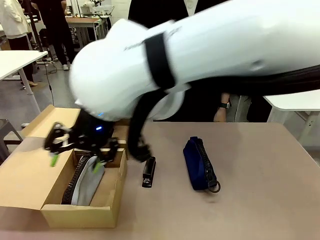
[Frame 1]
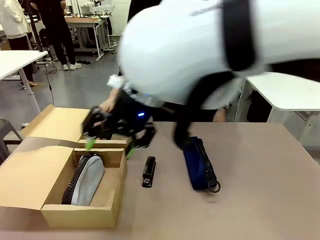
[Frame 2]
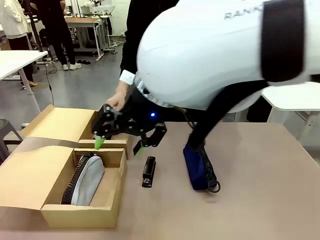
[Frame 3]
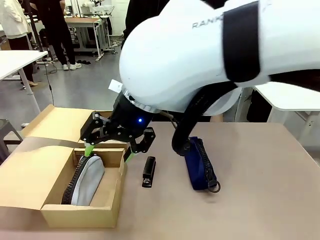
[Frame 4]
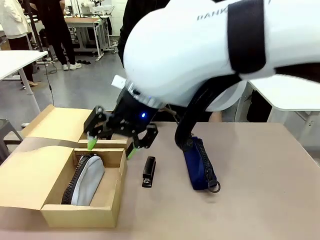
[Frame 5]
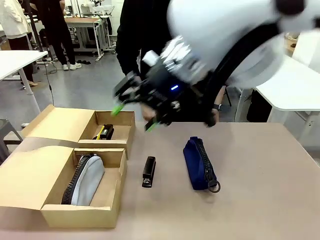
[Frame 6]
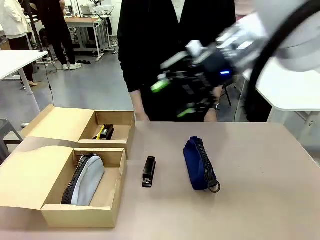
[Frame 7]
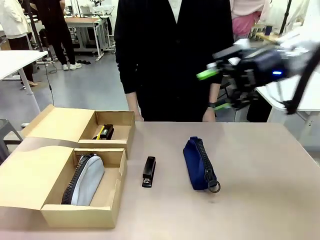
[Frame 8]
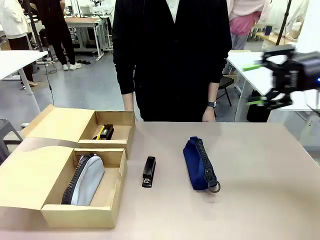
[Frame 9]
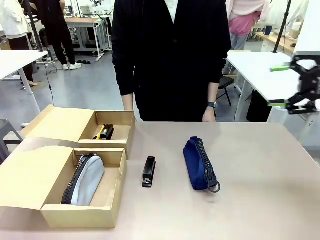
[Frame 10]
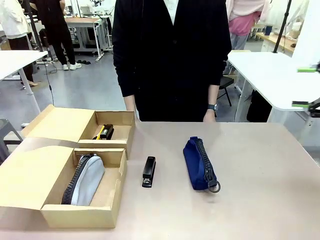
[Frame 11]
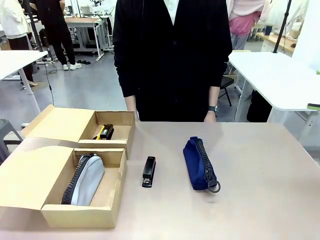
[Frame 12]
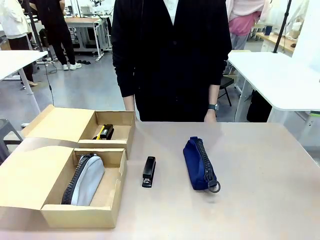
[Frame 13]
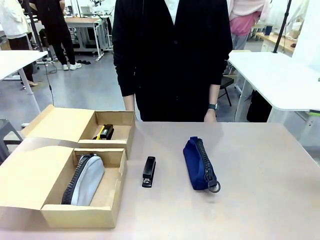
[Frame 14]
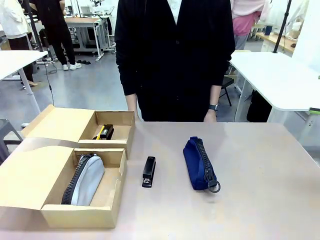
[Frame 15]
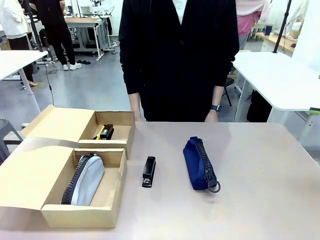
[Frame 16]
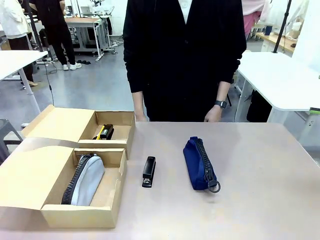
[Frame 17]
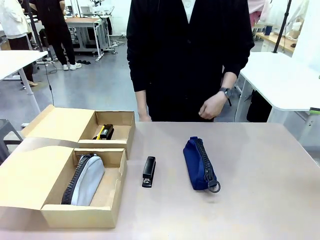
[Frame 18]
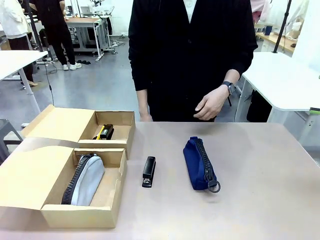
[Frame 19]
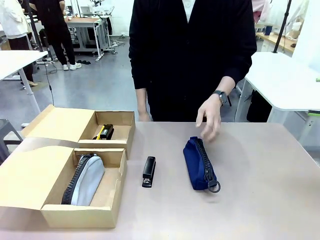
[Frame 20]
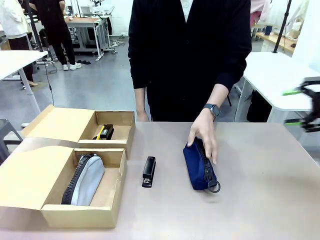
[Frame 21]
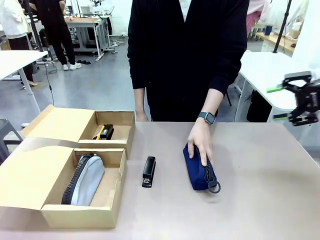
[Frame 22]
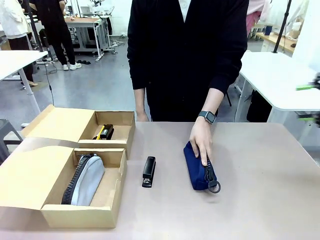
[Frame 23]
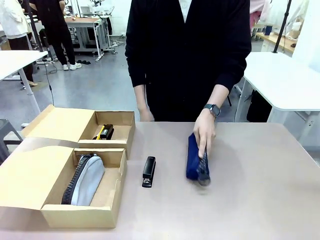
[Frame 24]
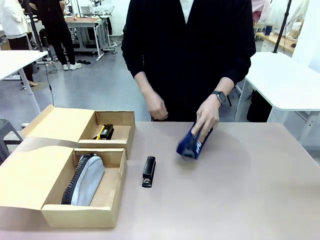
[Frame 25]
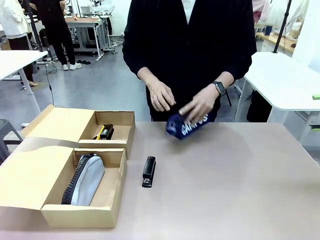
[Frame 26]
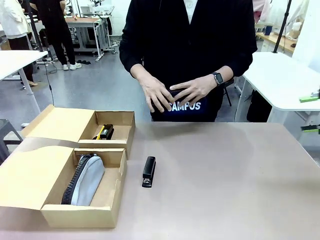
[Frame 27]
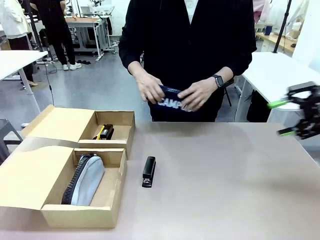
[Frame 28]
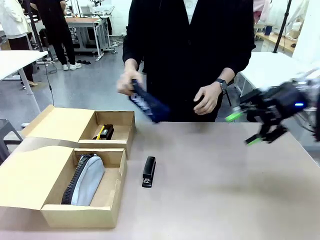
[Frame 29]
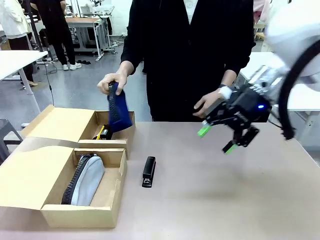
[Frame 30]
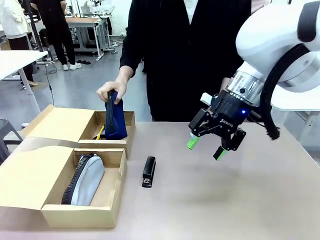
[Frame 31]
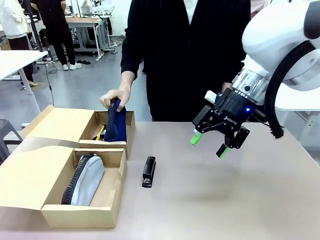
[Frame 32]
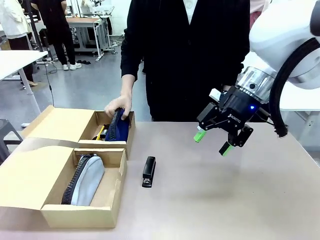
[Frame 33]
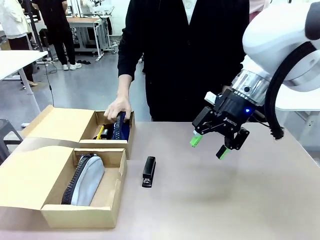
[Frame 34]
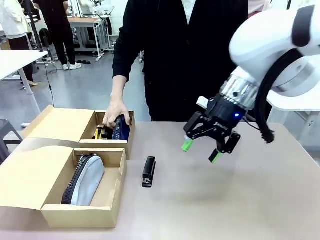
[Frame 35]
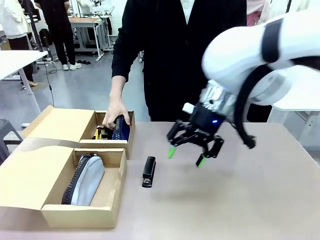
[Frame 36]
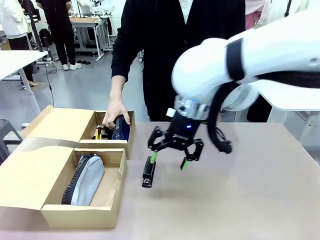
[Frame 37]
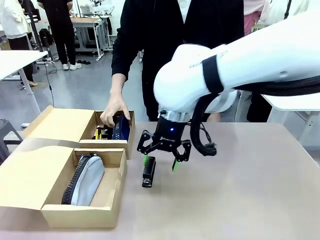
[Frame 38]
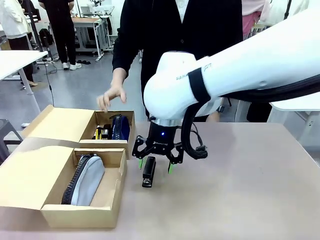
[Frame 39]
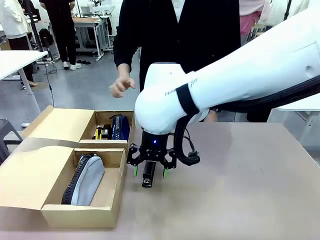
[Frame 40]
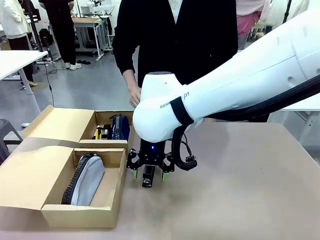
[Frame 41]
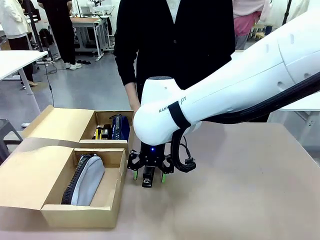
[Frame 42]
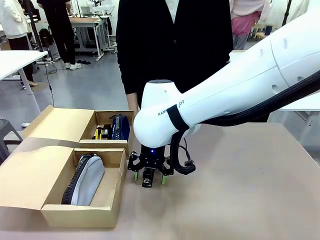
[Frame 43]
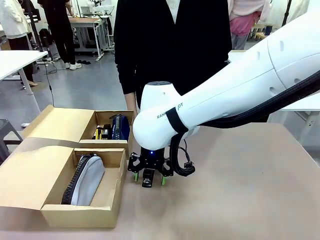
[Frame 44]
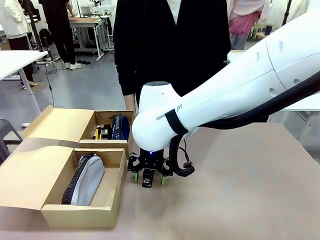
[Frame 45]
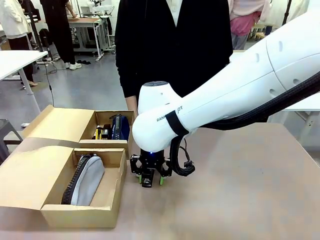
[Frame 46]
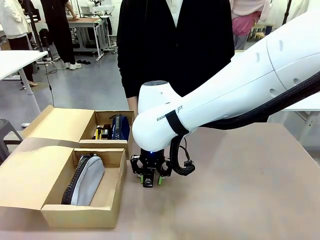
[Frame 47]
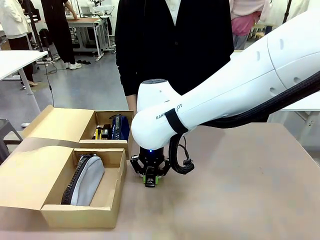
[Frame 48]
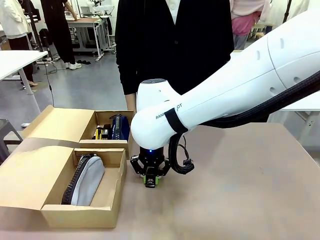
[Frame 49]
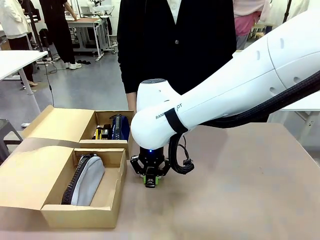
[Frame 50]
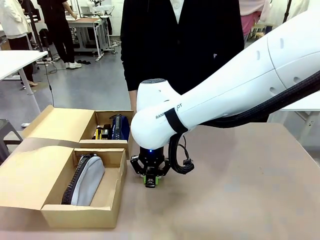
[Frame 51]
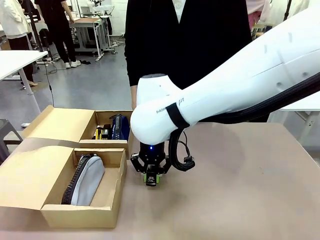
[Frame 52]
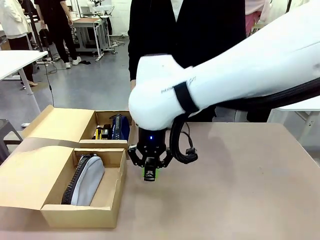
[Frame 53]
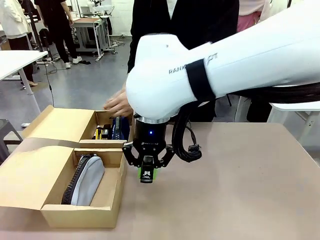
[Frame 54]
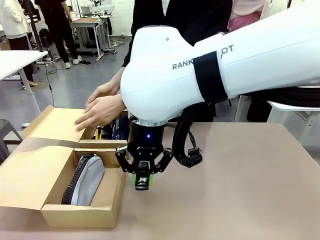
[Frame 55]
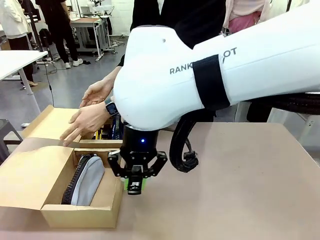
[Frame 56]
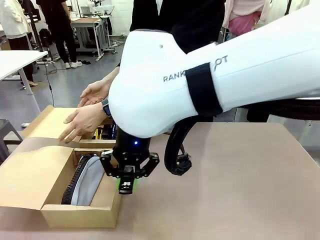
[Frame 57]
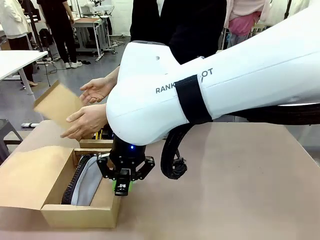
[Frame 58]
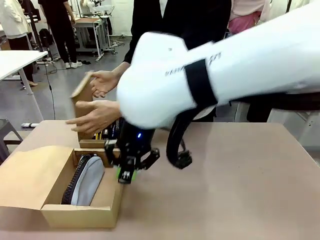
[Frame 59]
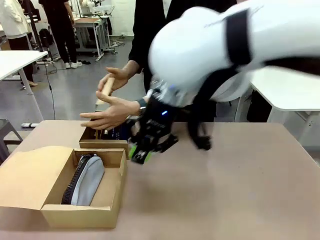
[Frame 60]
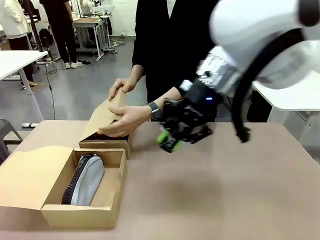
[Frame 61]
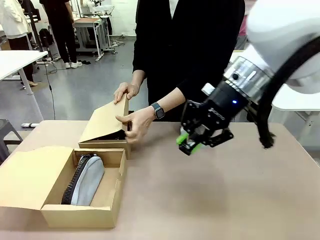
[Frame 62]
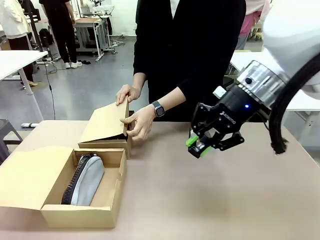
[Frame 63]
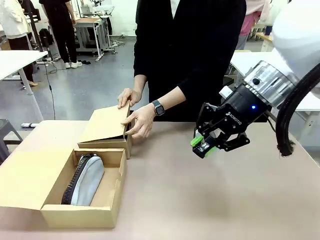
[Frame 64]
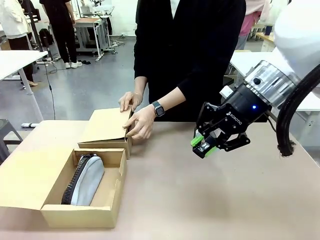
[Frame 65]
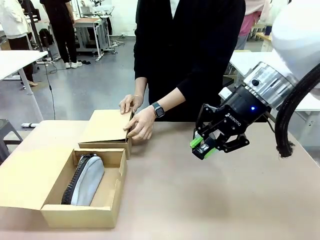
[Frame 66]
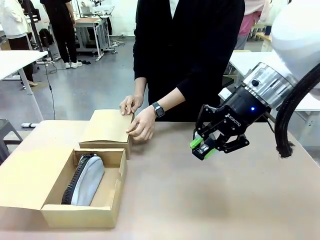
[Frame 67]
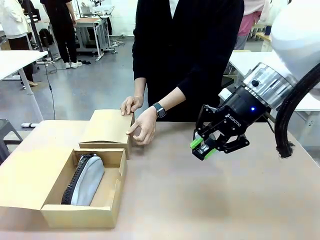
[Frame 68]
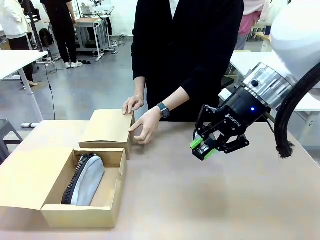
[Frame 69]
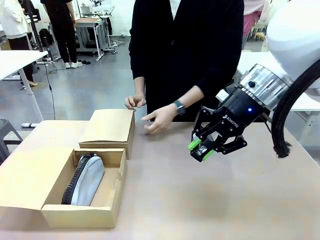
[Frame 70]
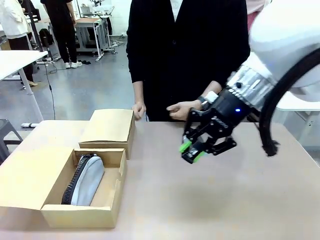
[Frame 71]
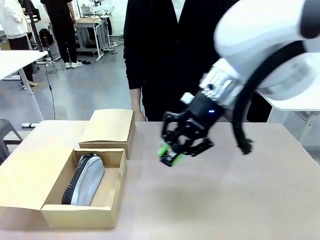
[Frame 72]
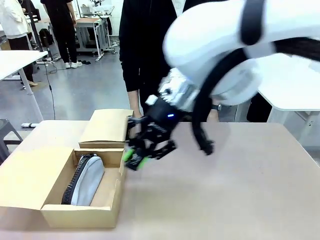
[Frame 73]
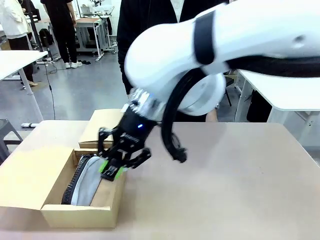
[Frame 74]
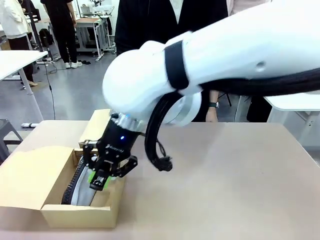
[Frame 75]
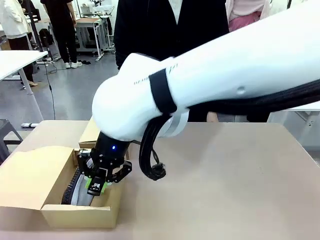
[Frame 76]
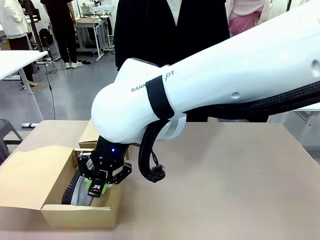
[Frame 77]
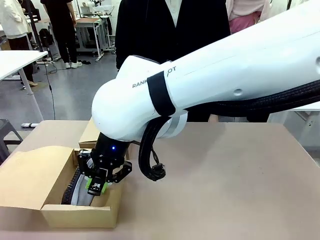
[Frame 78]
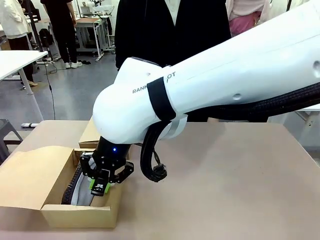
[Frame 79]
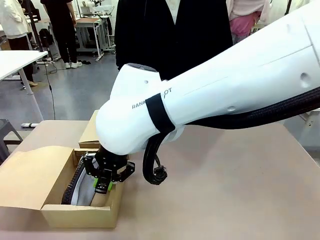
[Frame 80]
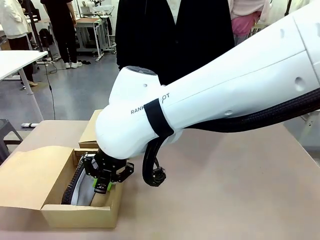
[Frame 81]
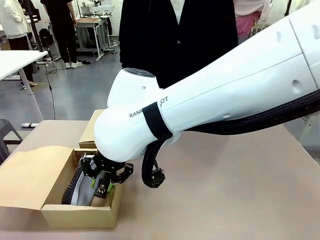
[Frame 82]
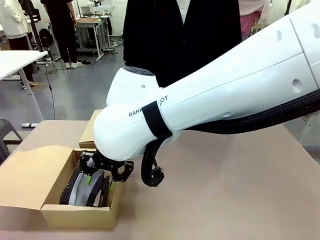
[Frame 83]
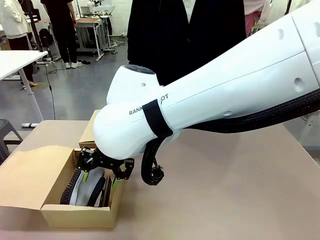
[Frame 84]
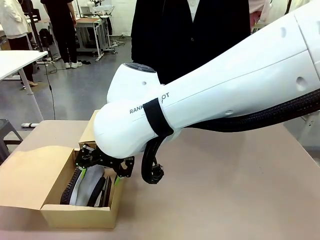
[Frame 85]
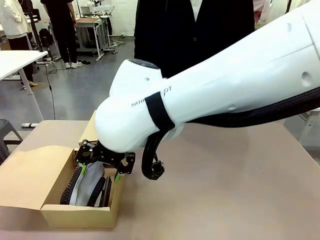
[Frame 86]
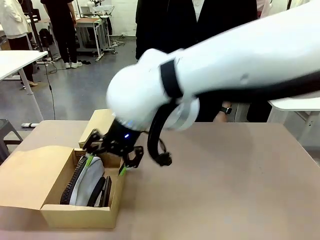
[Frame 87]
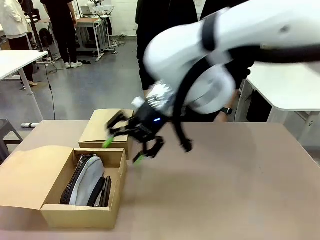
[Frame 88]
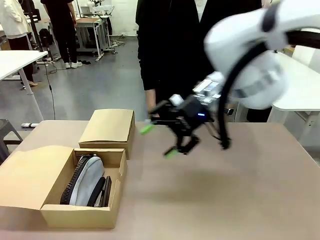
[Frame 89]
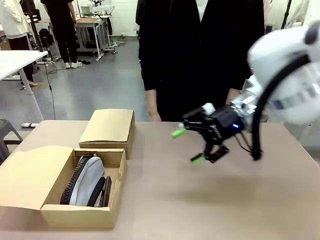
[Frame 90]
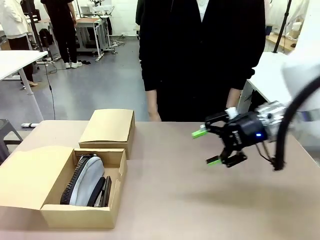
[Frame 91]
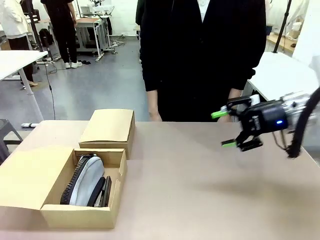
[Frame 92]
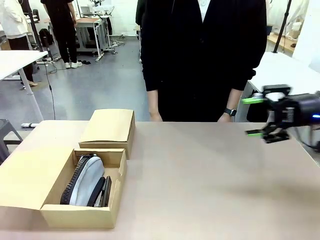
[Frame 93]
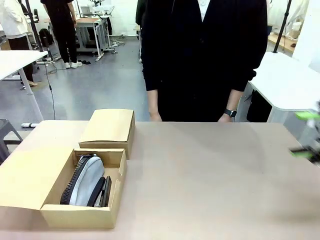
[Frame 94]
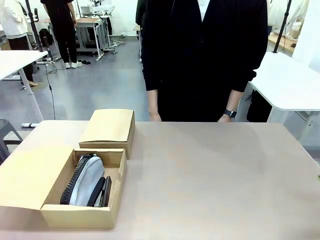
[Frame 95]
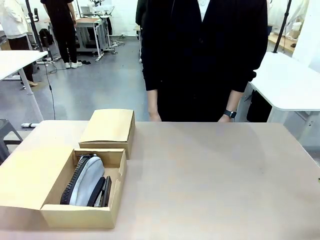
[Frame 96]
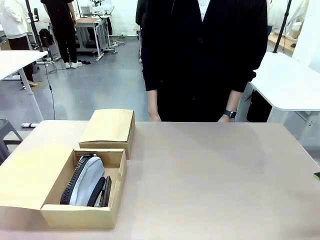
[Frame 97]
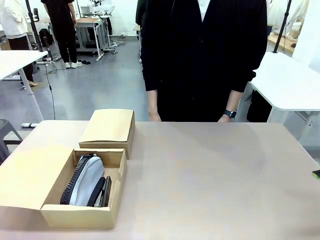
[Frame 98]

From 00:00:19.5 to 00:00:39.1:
Task: Place items inside the box.
Robot: Pick up a Pencil pouch or Stapler and place it inside the Mailer Box closest to the robot.
Person: Close the lid of the box facing the person.
